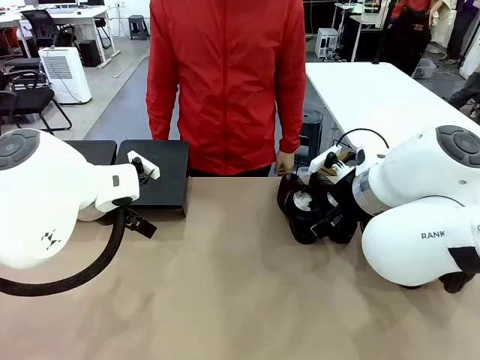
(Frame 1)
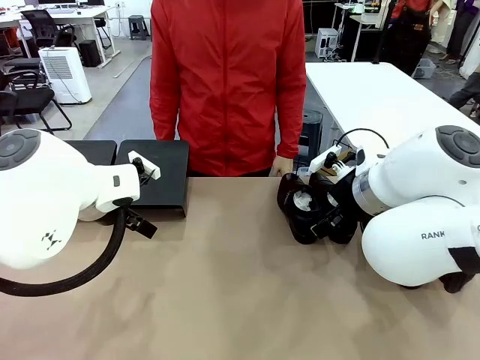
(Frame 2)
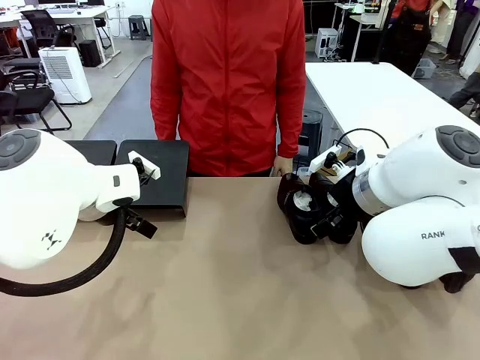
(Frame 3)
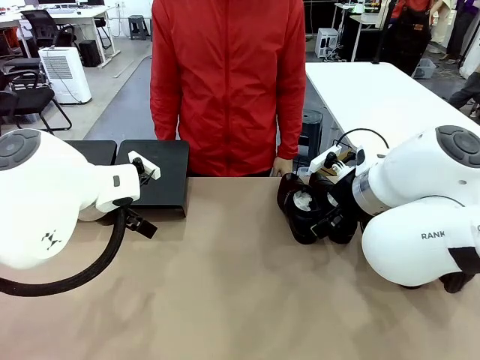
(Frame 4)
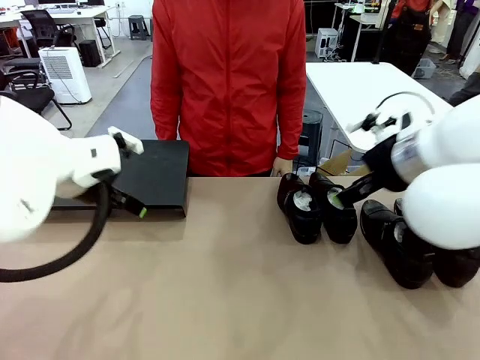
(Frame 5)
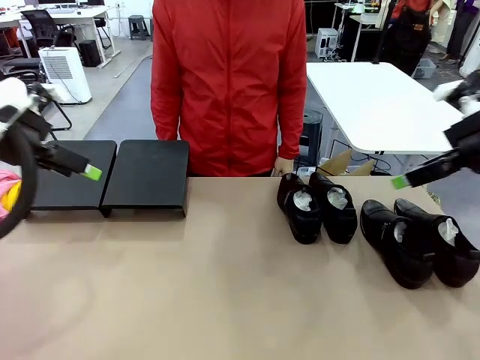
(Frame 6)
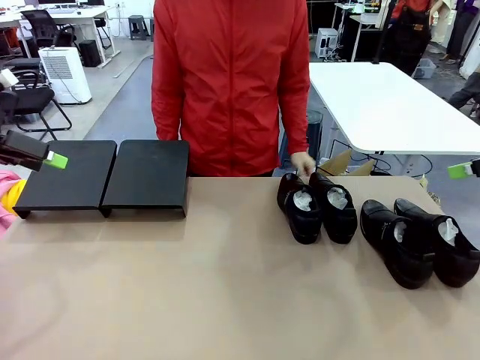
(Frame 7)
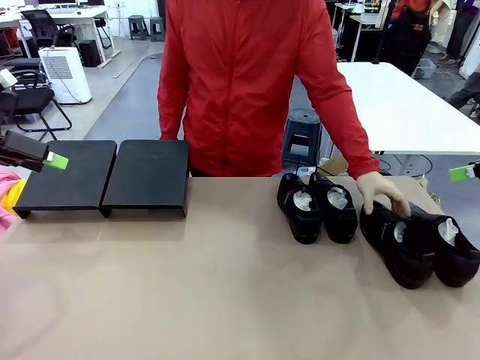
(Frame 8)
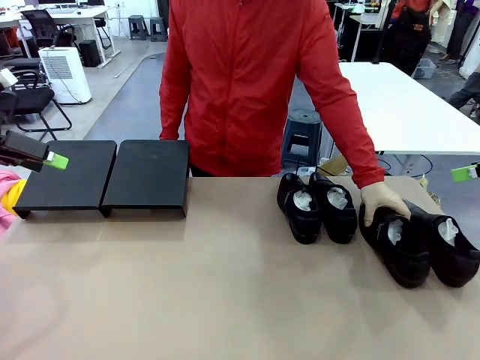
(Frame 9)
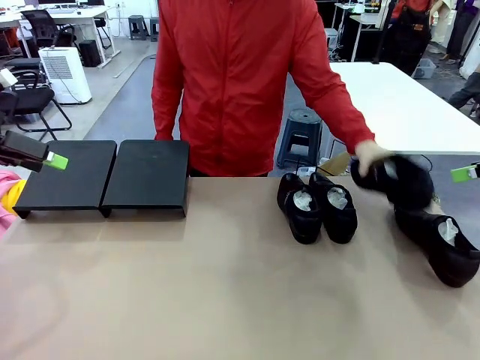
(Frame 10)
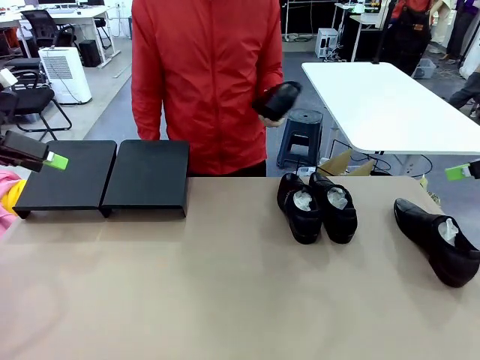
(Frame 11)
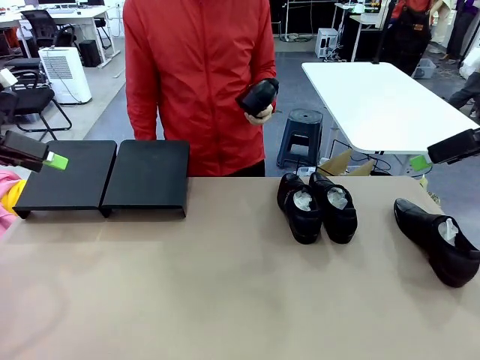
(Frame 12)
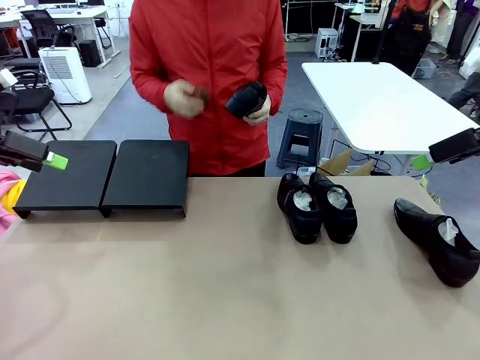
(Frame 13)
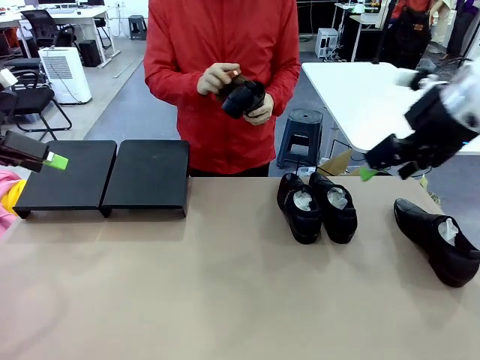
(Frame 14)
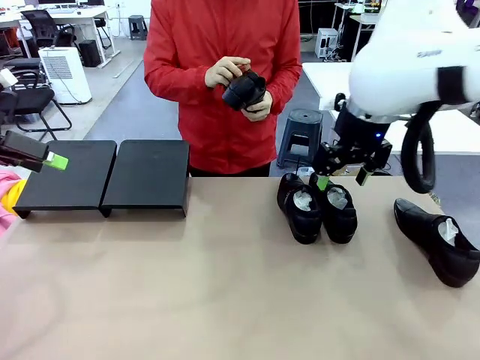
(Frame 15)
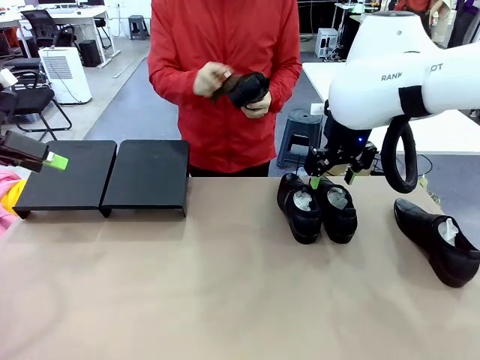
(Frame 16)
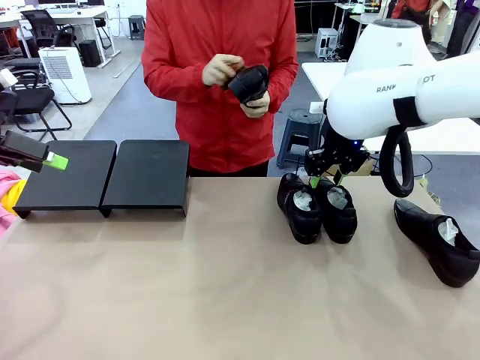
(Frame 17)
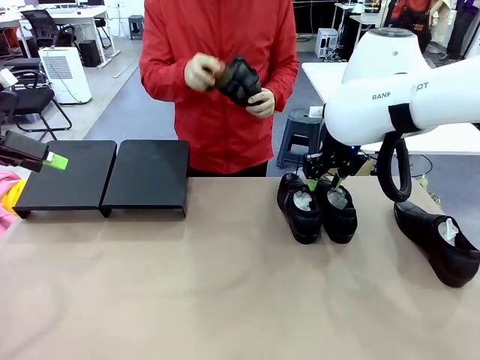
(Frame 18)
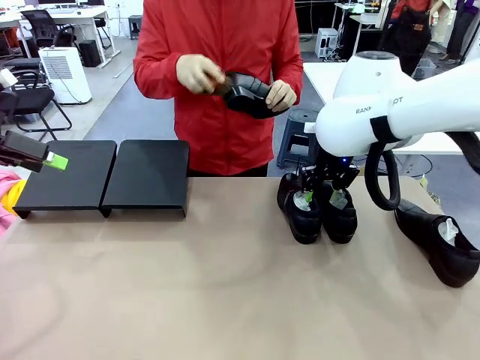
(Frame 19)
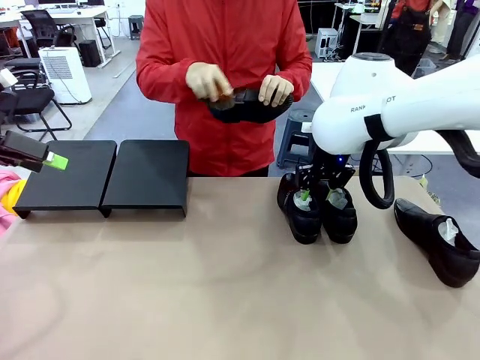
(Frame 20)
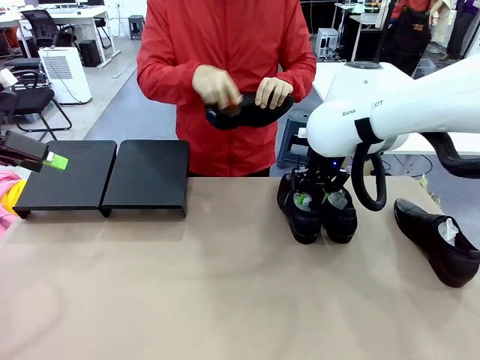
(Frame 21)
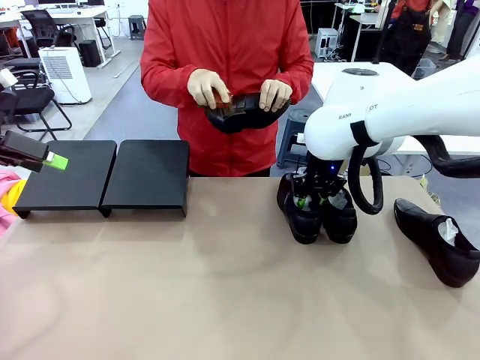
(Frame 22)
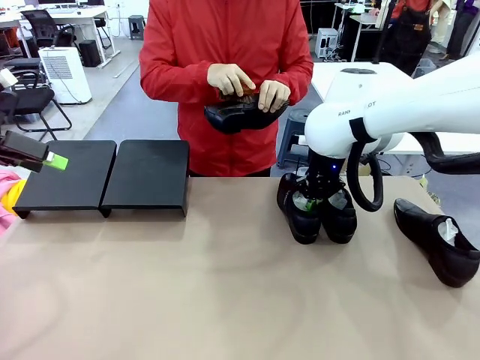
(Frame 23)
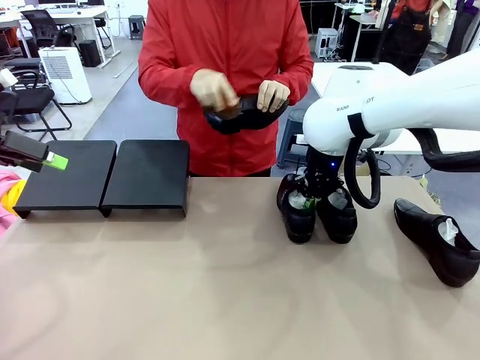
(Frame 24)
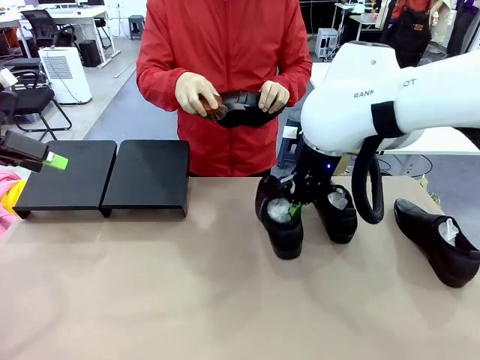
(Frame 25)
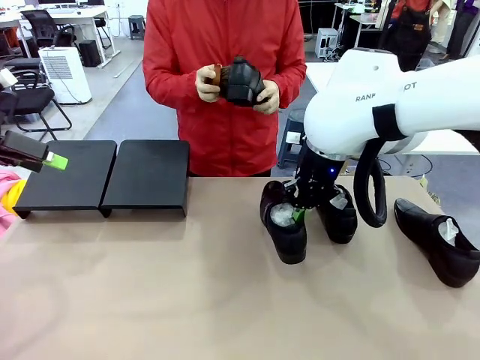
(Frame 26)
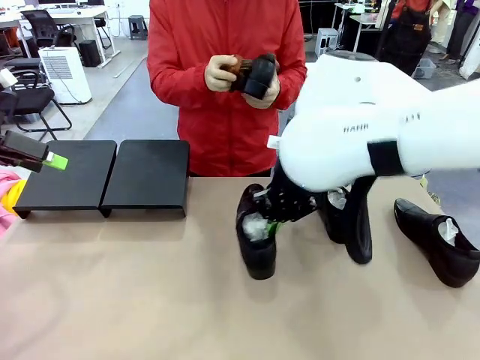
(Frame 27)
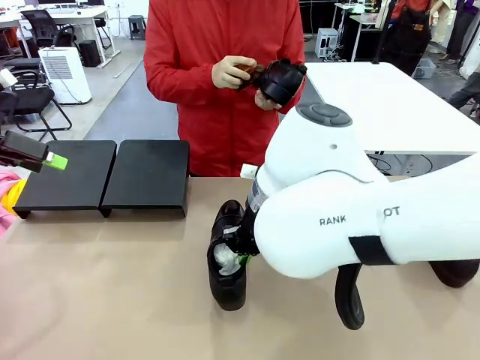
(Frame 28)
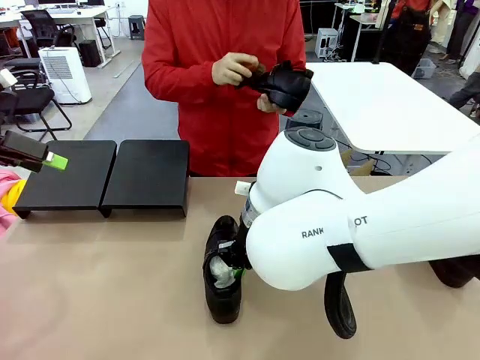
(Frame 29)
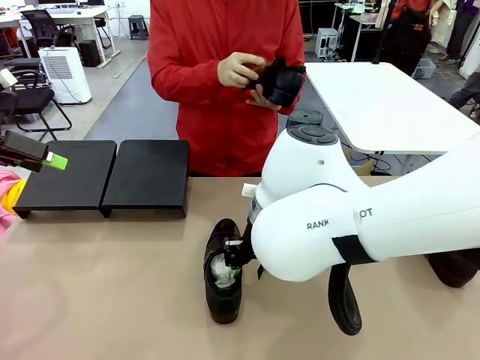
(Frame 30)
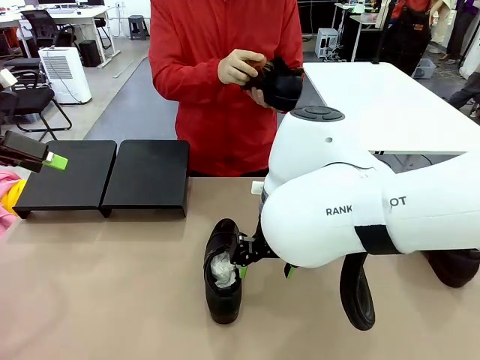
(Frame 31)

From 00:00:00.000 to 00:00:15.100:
Task: Organize the shoes by placing them on the stand.
Robot: Pick up one Shoe and place it in the middle of the table.
Person: Pick one Shoe on Robot's table.

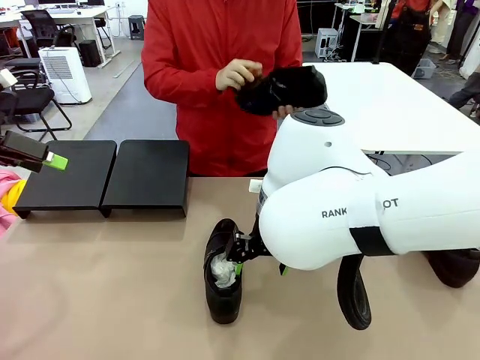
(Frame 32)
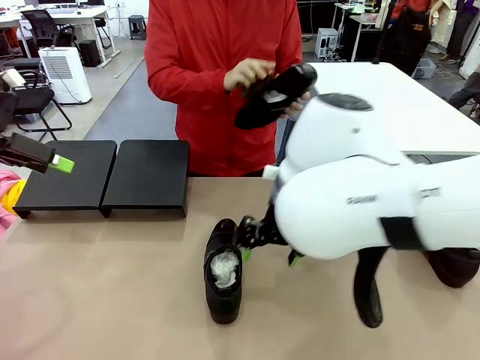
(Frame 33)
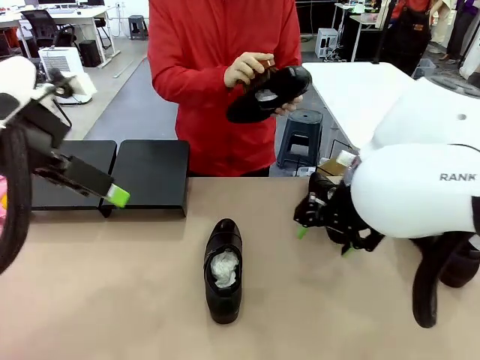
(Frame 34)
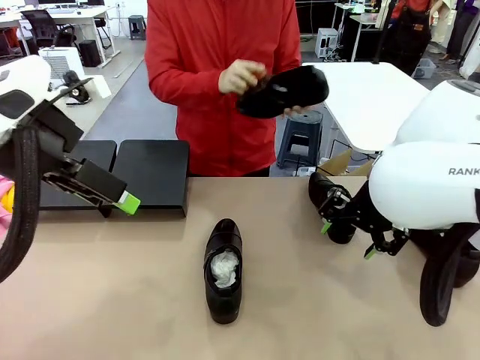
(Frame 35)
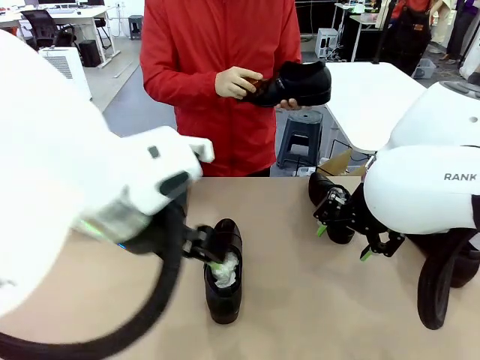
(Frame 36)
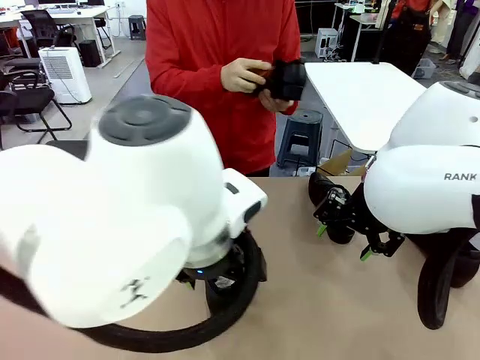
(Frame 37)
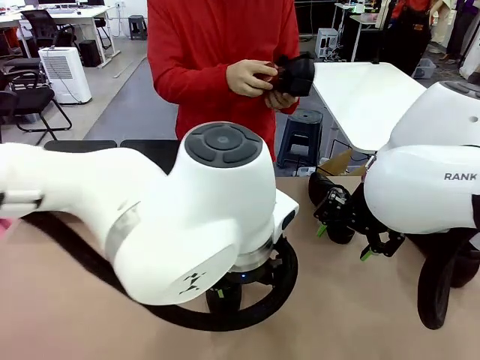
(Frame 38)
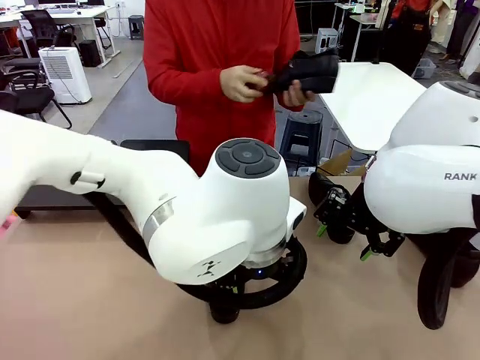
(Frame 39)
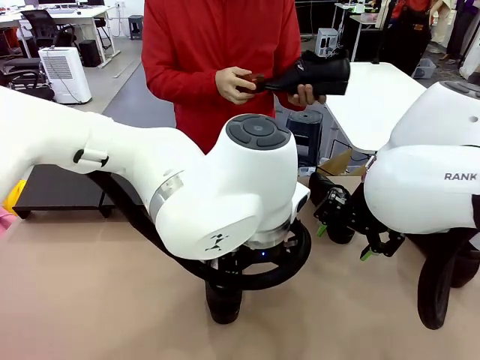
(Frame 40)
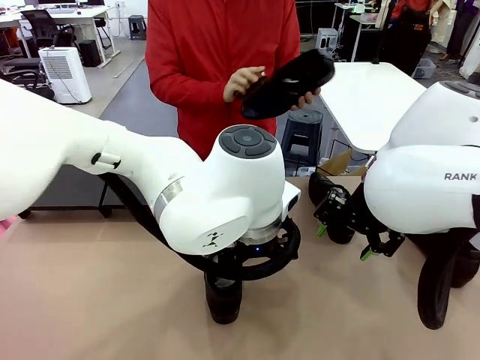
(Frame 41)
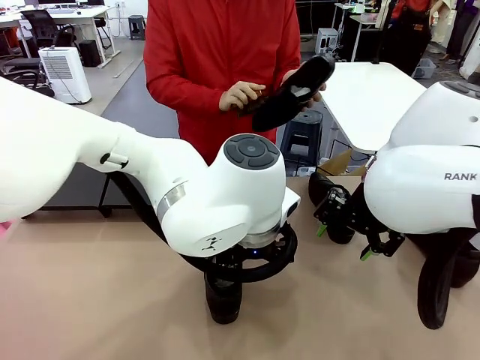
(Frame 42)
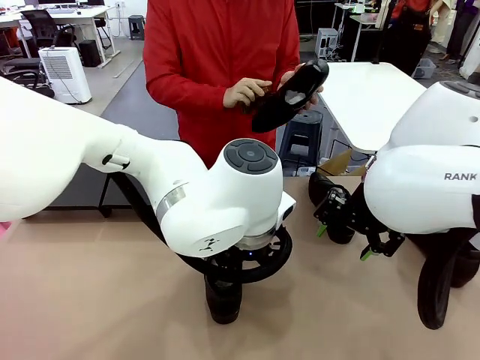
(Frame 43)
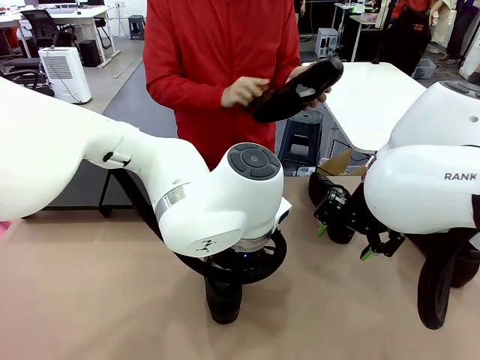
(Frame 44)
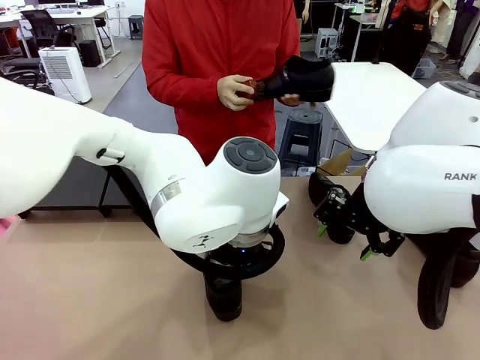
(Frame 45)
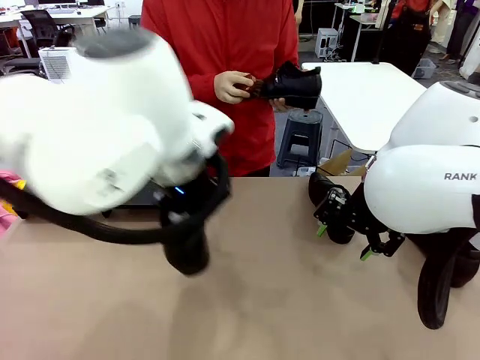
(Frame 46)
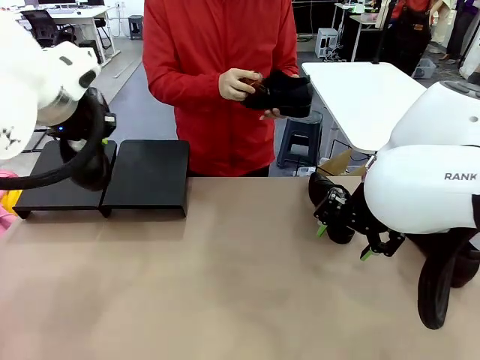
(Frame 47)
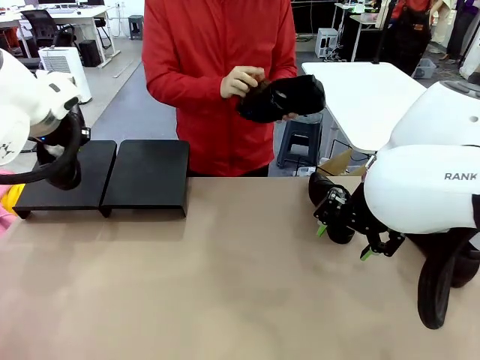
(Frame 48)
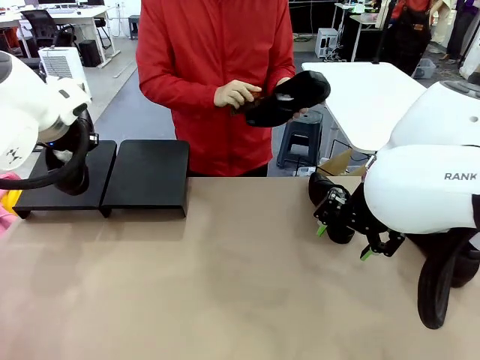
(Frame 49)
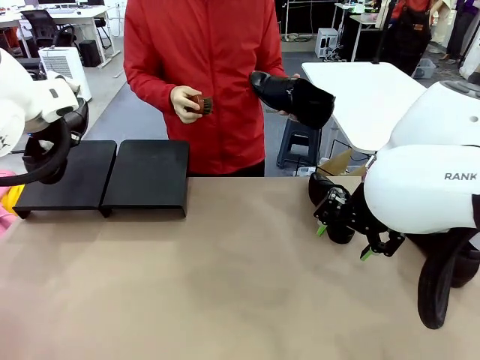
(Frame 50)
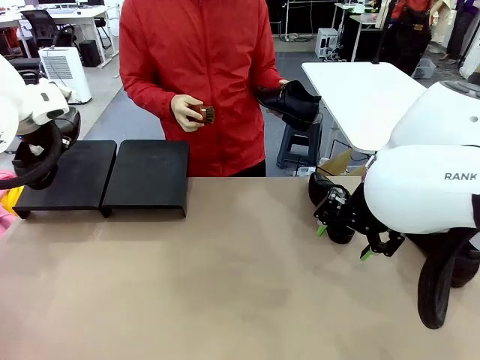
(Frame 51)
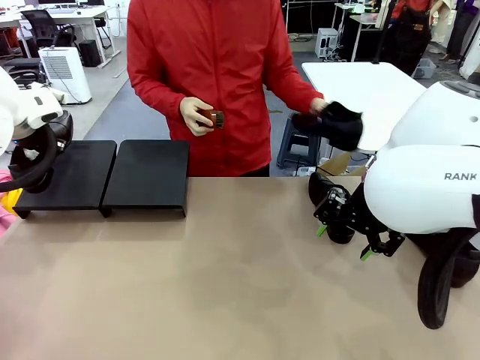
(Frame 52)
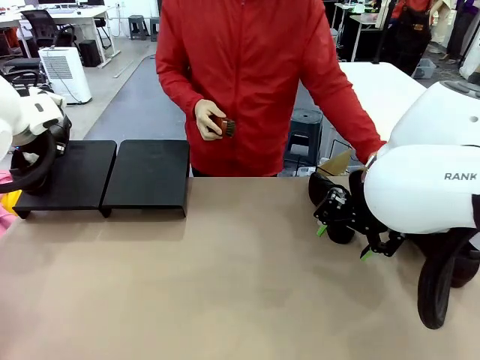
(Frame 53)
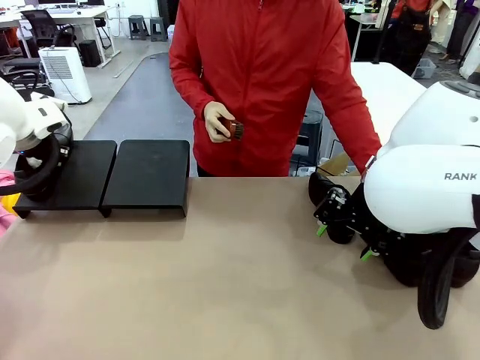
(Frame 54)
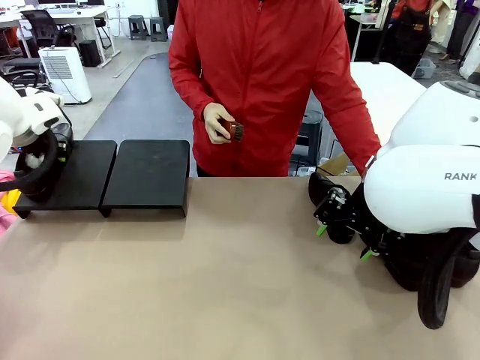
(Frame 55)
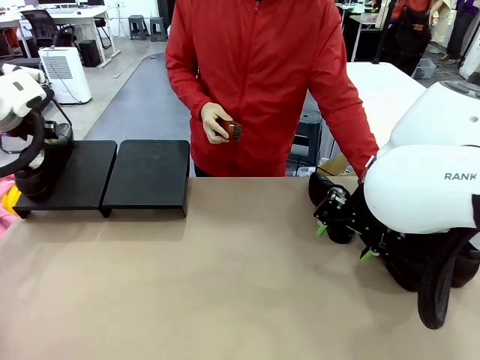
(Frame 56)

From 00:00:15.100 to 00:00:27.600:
Robot: Place the Shoe from the middle of the table onto the Shoes Stand.
Person: Place the Shoe on left side of the Robot's table.
